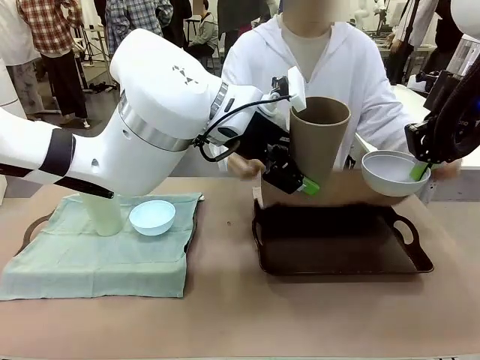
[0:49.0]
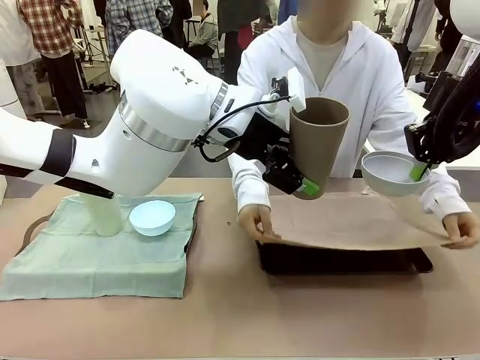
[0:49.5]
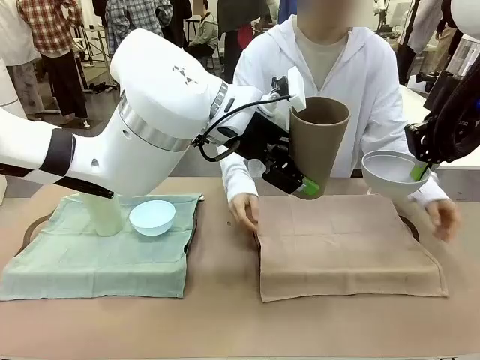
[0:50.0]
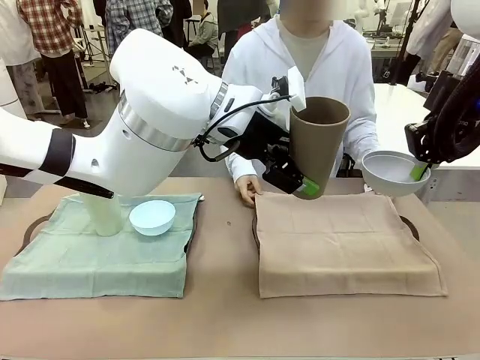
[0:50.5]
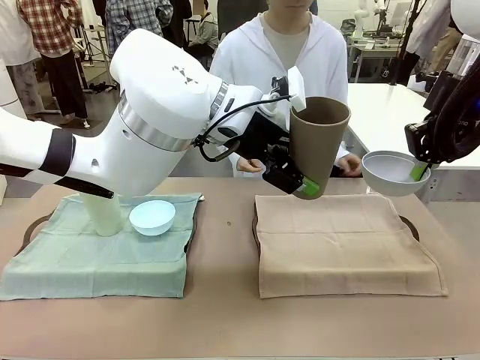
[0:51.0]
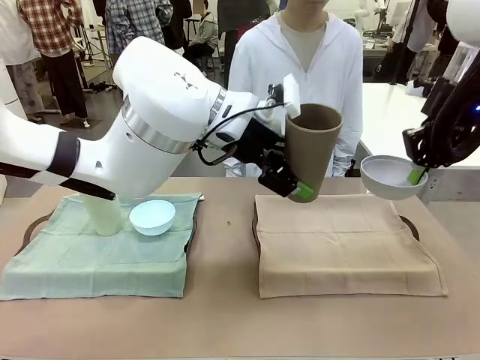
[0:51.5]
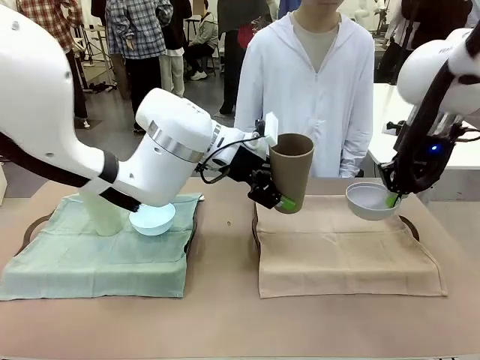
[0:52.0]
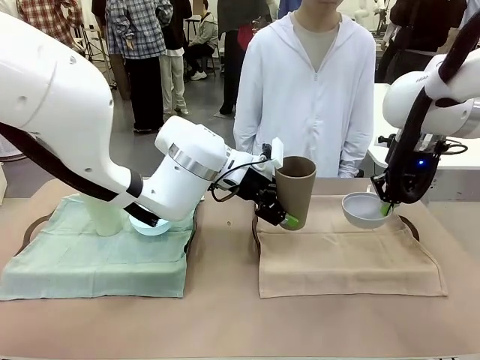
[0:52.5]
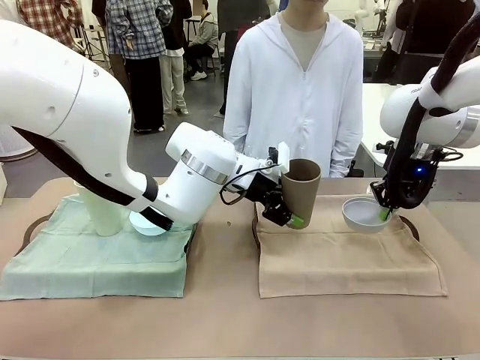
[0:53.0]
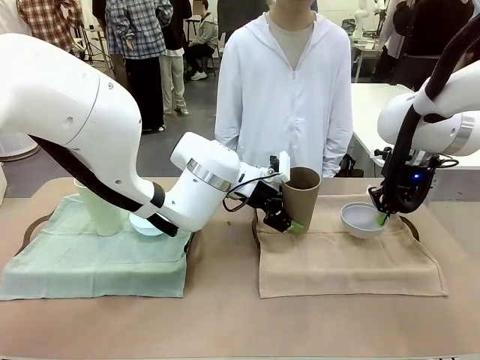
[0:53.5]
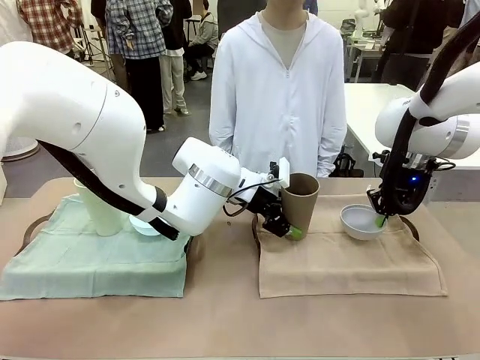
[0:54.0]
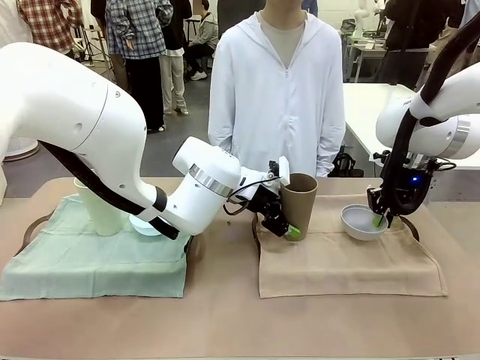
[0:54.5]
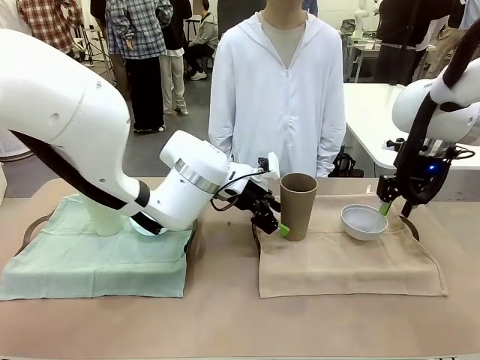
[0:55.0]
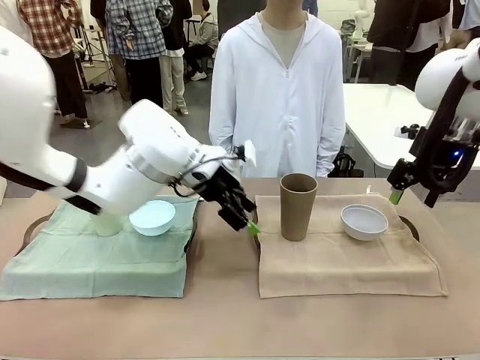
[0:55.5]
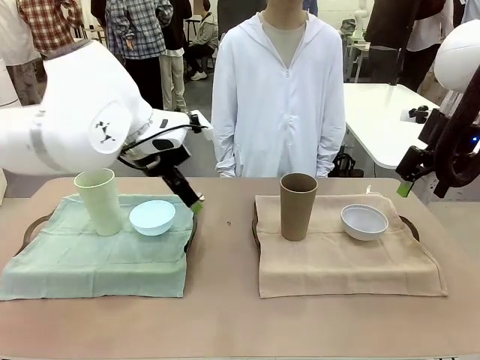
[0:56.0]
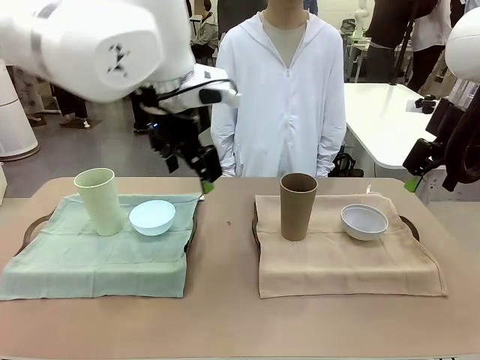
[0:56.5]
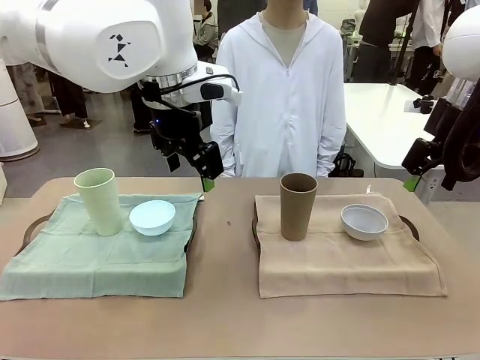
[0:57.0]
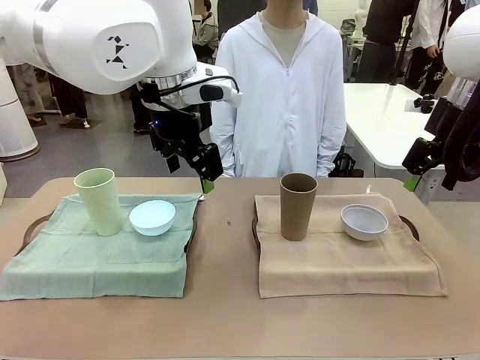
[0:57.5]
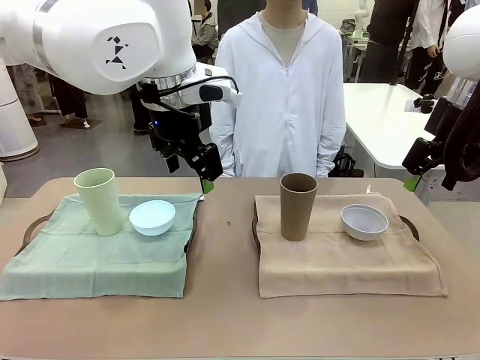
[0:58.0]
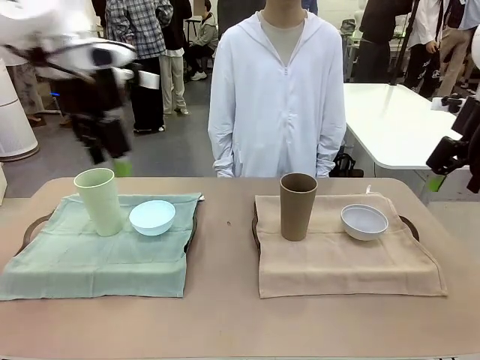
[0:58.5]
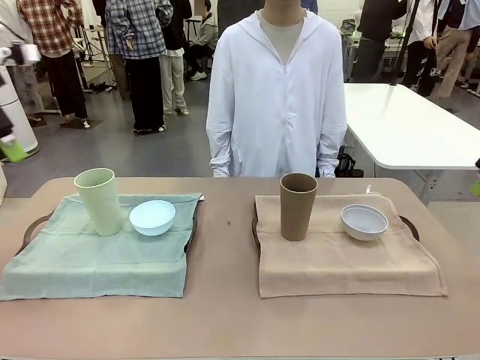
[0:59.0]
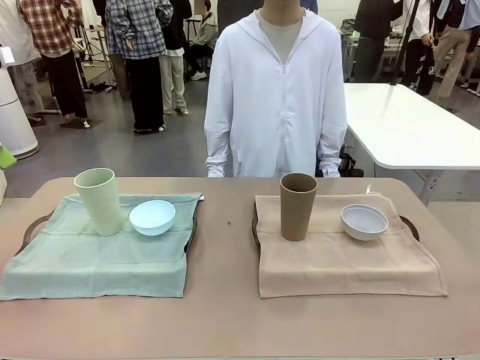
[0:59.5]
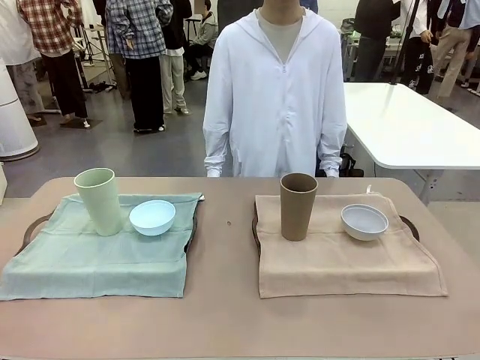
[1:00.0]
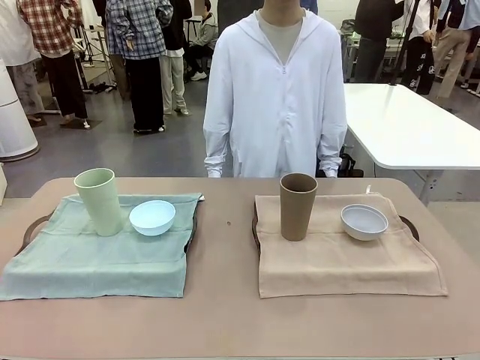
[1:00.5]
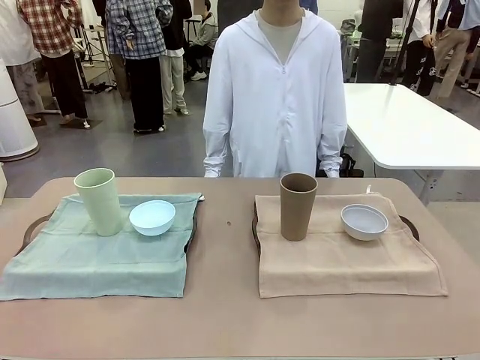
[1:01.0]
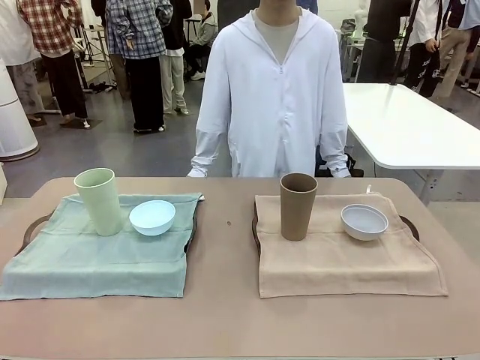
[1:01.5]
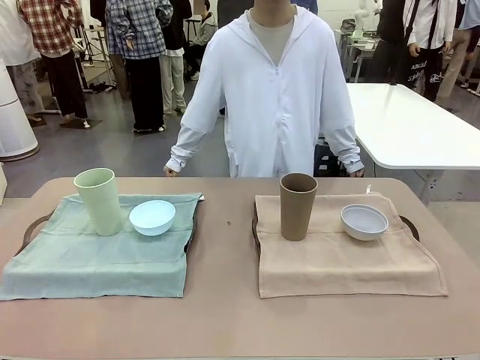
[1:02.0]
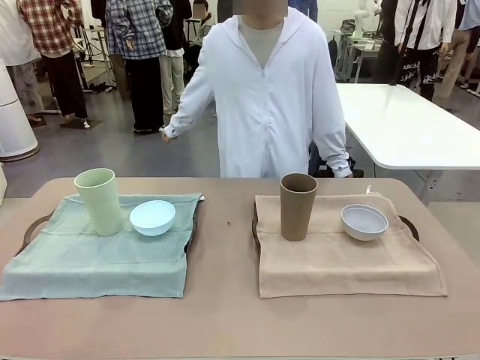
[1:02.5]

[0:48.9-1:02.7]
Robot: Place the Picnic Bowl and Reusable plastic cup back onto the Handle tray in front of the human's position.
Person: When the robot lifts the bowl and the cup, the human unfolds the napkin and lays the napkin flat on the tray.

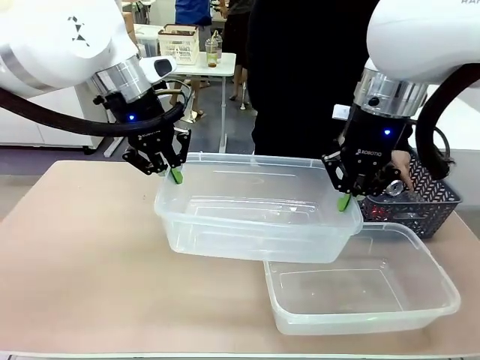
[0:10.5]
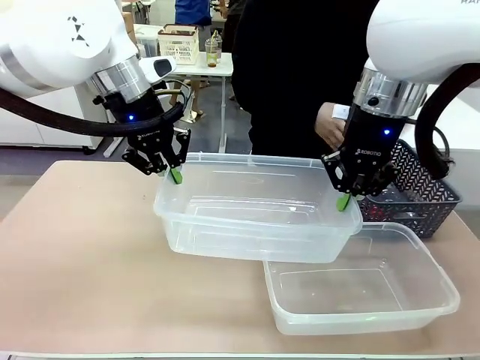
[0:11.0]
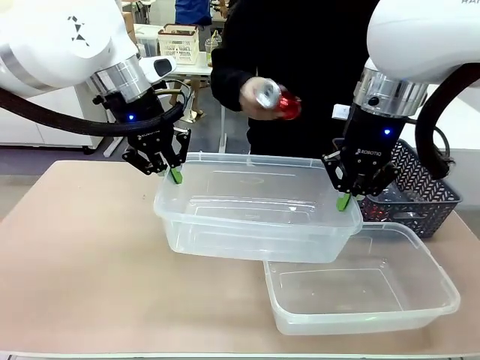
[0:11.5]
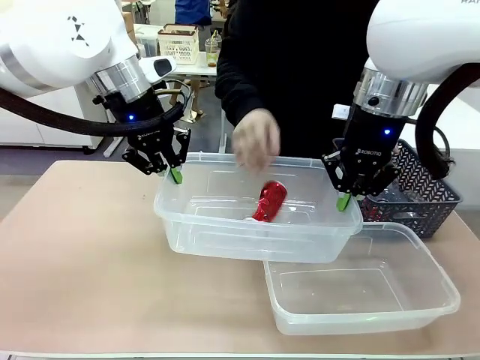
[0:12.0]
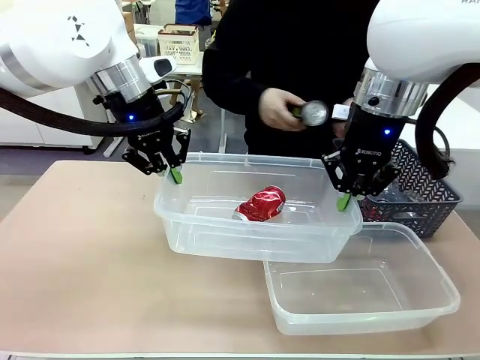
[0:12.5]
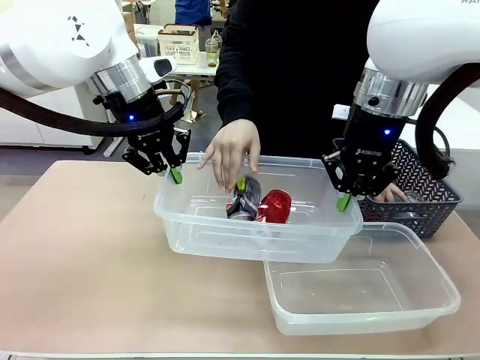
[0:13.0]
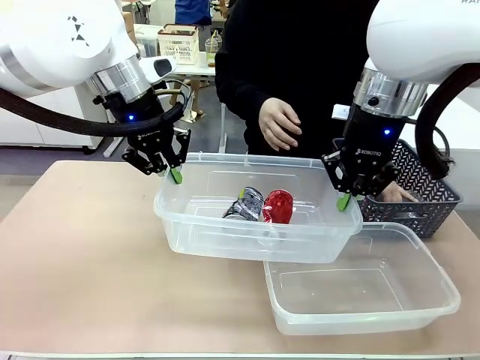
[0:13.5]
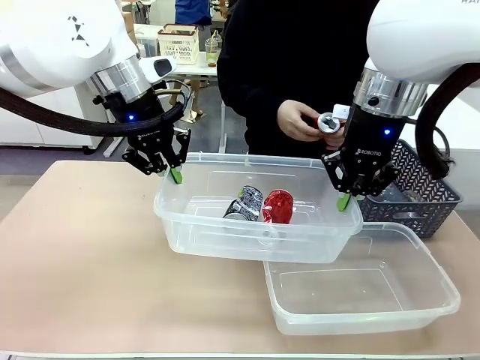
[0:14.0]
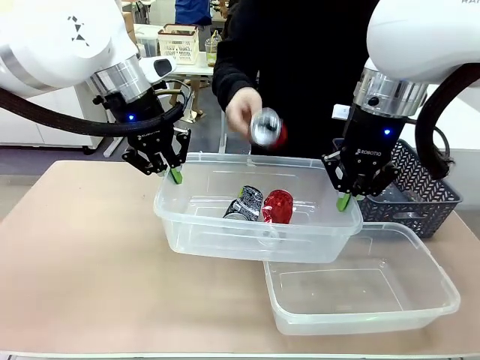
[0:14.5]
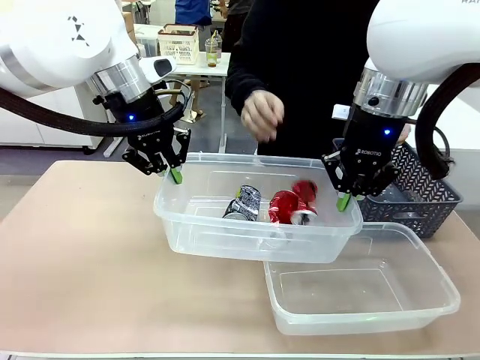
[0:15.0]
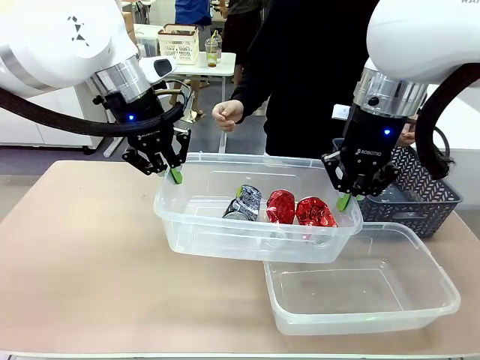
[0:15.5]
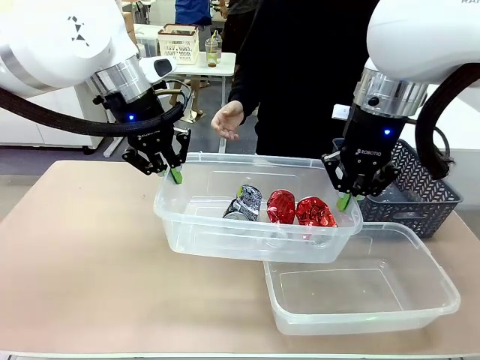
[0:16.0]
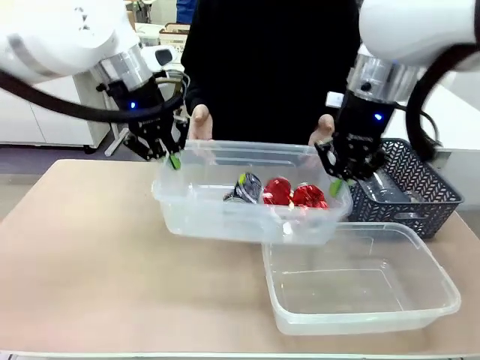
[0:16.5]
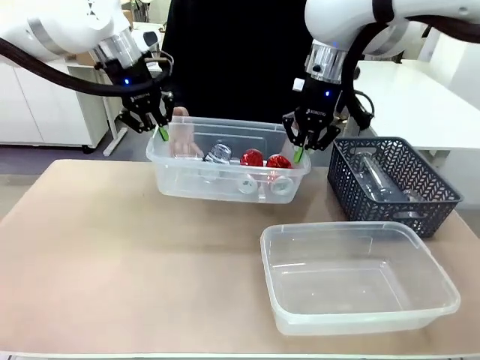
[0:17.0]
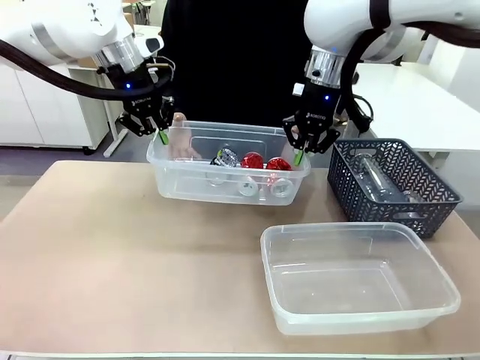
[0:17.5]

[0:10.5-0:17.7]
Robot: Offer the picked Organizing box to the human.

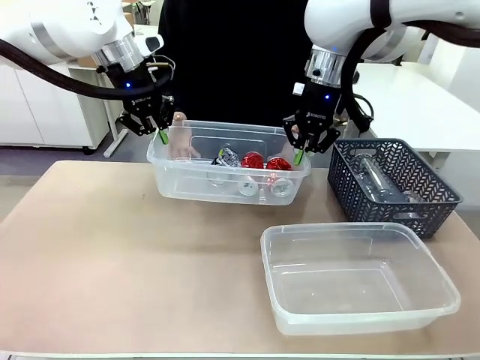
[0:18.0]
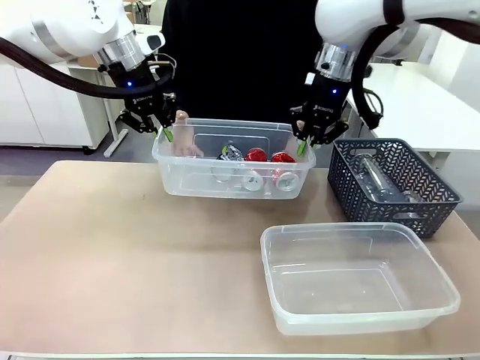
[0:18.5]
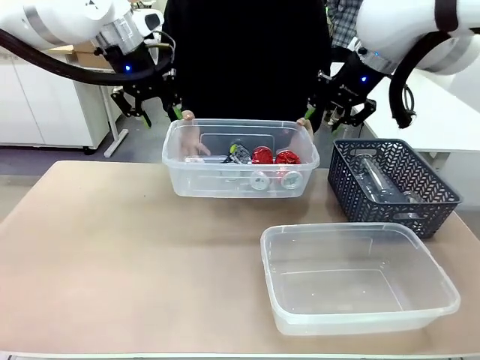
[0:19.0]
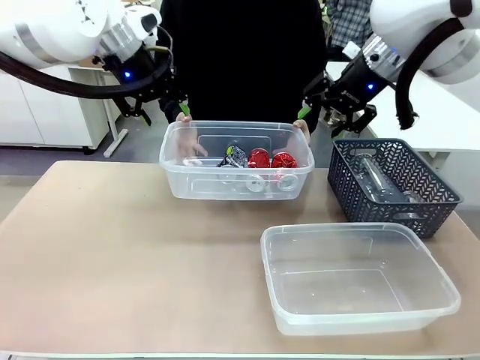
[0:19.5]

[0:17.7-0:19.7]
Robot: Release the Organizing box you were holding.
